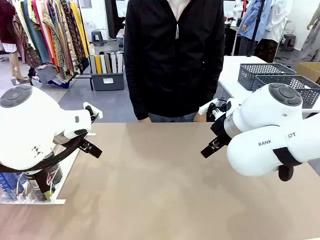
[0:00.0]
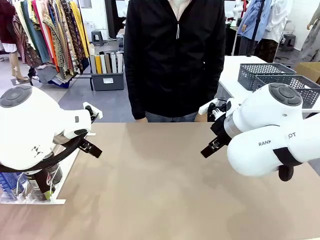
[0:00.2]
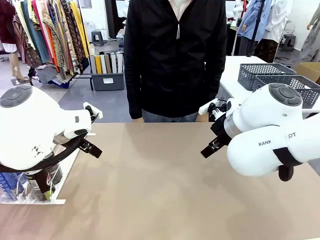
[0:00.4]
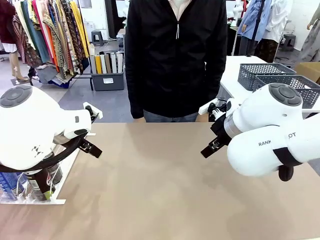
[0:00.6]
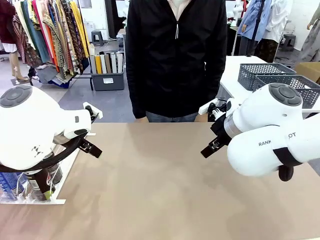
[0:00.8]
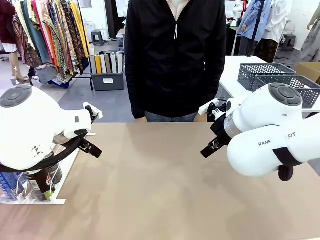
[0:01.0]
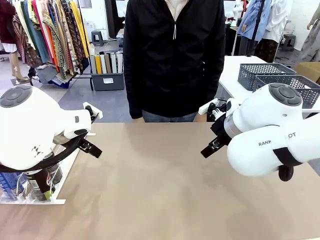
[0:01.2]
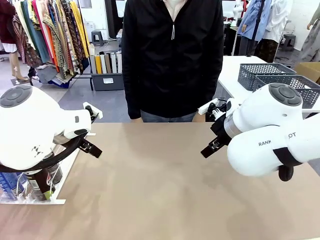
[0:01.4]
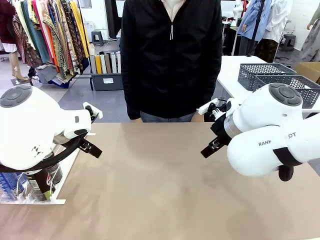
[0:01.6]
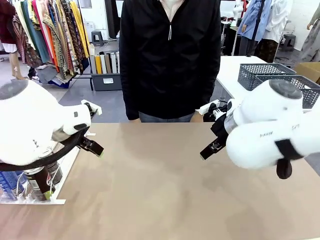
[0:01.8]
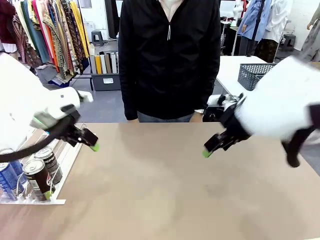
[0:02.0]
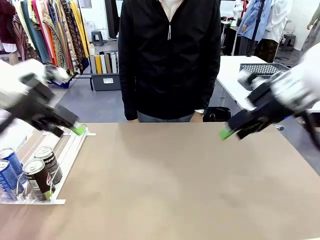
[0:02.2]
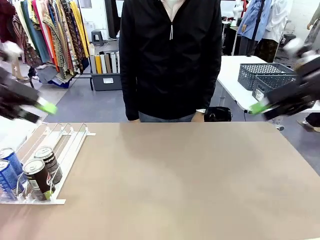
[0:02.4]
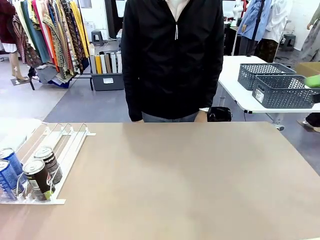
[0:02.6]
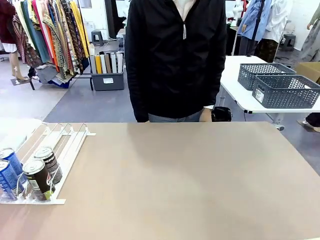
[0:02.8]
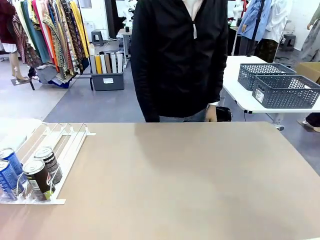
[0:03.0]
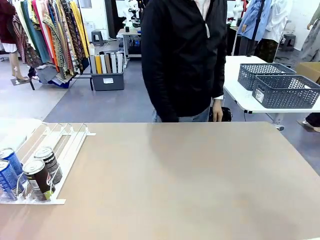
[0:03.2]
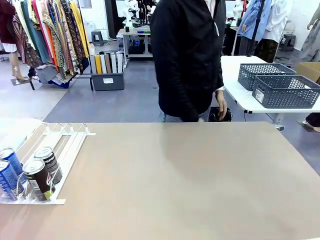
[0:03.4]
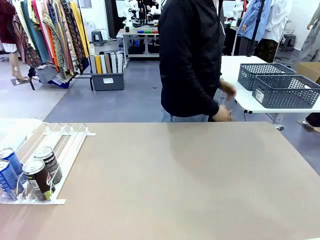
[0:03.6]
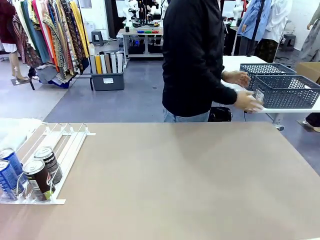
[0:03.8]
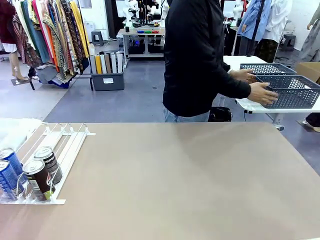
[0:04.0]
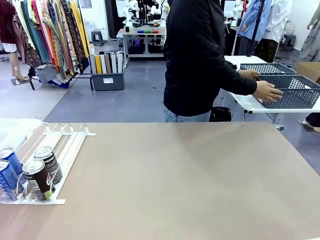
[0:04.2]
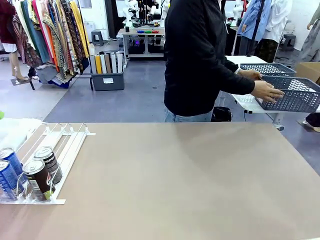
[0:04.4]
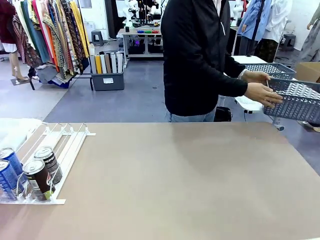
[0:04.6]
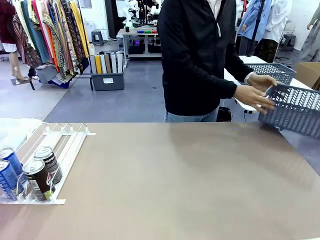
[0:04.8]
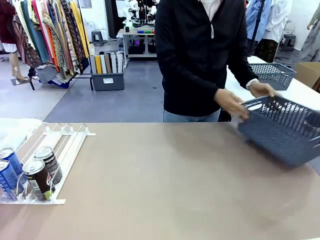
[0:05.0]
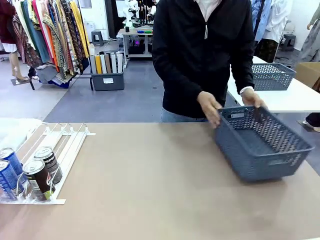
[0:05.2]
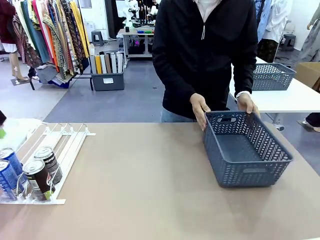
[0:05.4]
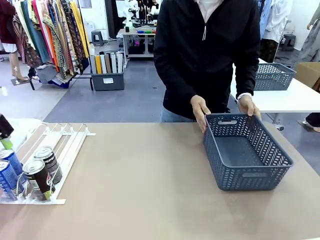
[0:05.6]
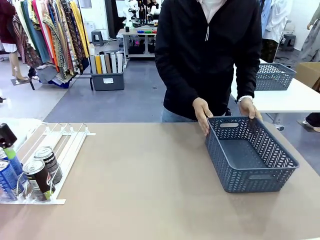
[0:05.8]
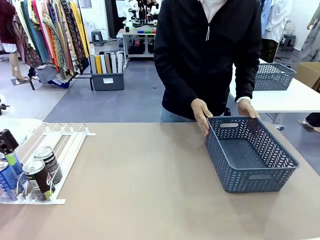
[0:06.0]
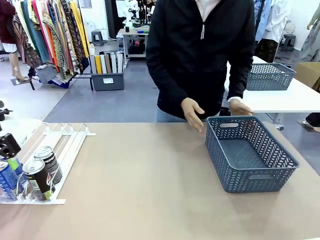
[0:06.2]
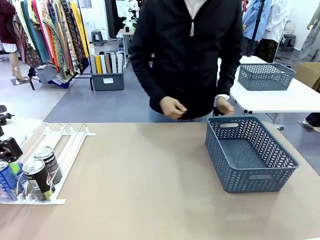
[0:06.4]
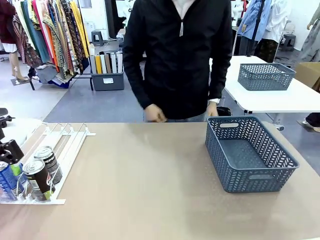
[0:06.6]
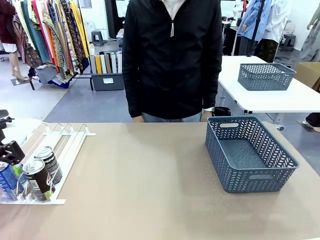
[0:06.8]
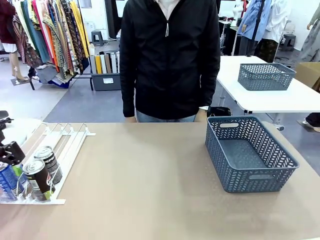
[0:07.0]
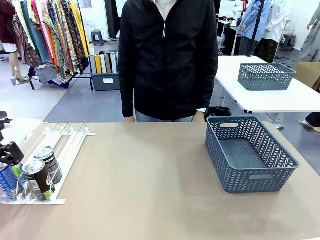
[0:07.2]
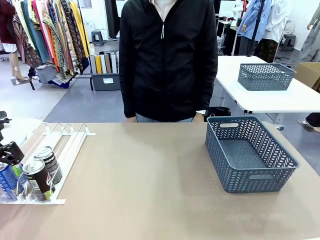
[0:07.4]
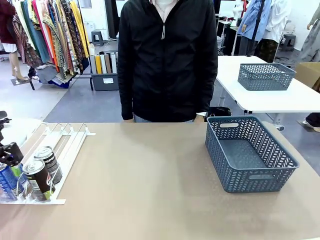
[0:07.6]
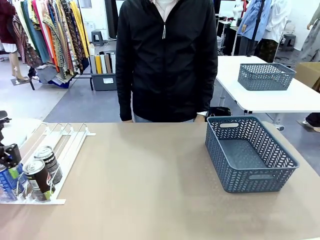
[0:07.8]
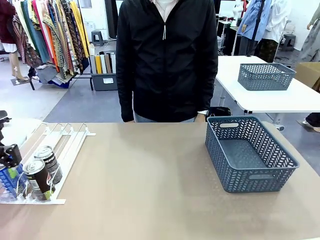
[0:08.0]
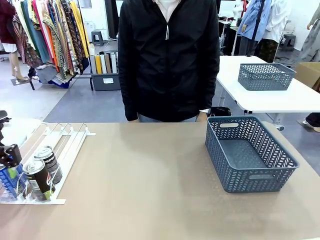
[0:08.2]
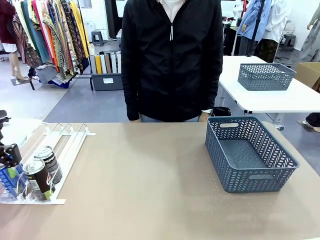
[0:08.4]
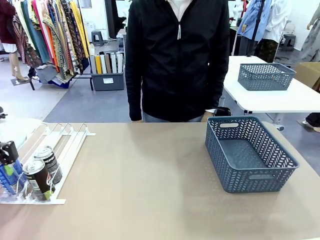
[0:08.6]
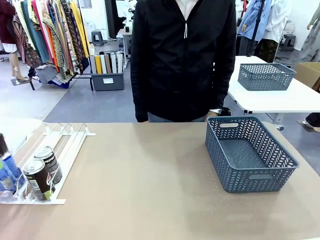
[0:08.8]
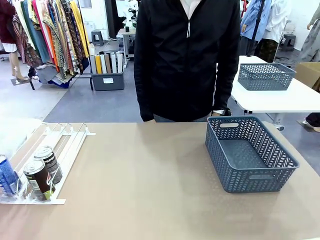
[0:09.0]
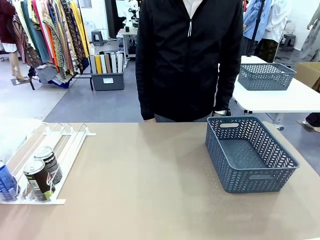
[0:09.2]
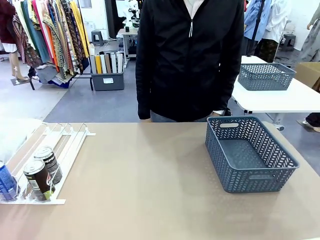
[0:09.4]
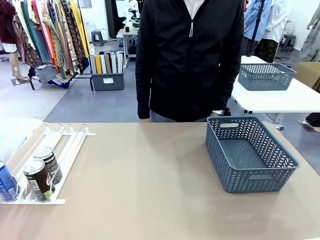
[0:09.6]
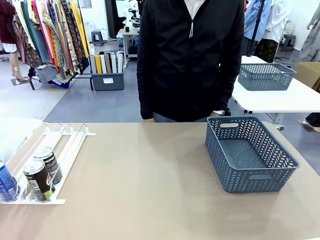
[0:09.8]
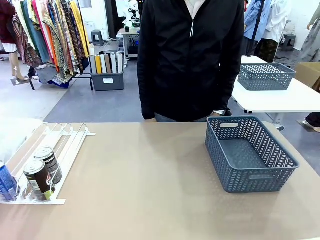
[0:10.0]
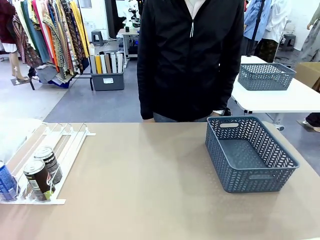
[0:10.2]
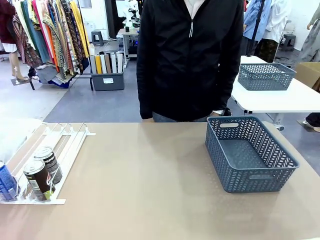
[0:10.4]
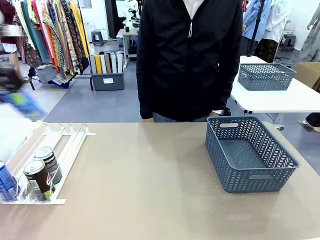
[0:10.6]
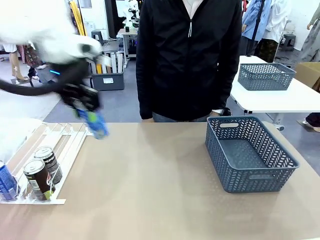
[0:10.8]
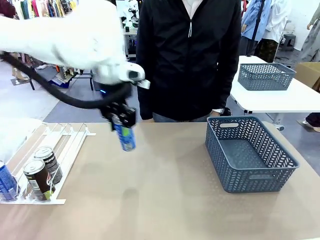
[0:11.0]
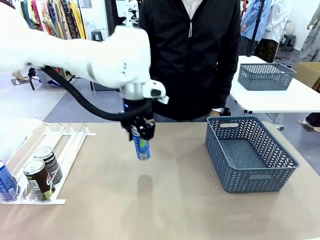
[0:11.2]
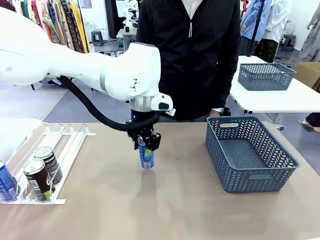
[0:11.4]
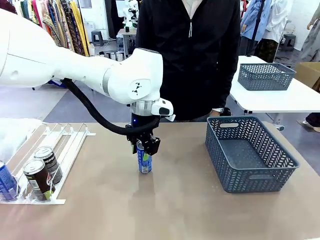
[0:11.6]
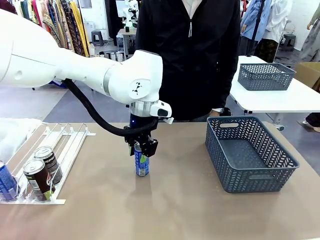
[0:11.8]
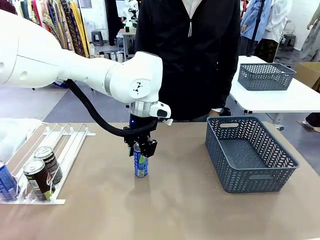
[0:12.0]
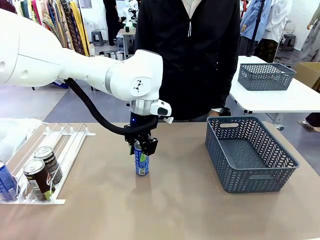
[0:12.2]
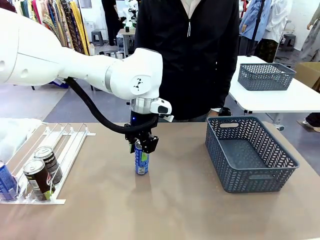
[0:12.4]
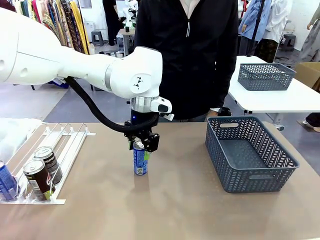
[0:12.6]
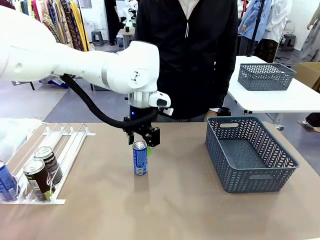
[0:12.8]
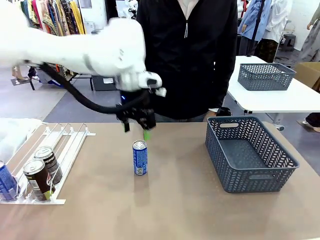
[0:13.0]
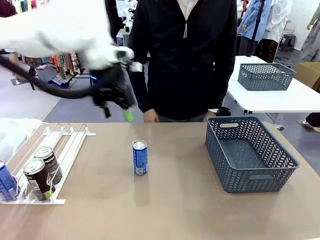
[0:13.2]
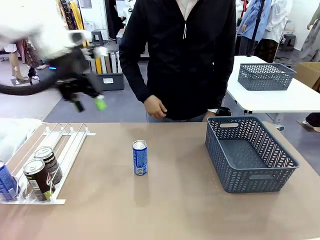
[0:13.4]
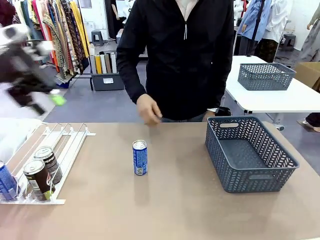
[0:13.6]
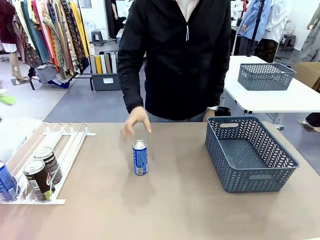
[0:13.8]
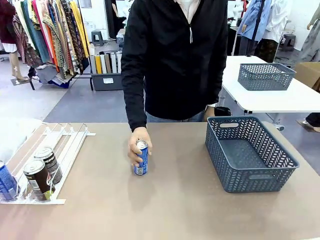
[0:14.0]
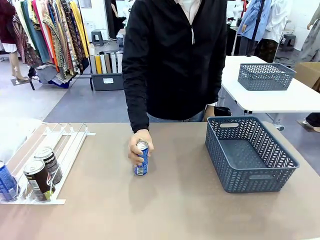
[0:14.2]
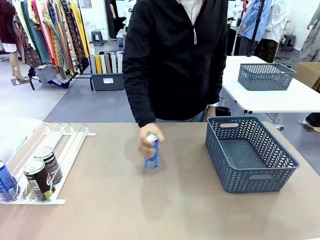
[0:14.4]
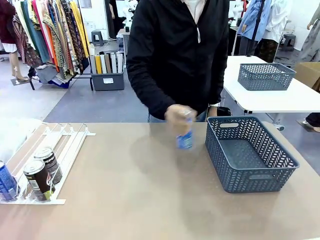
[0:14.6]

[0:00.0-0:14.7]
Task: Retrieve and store the cans from the dispenser.
Robot: Pick up one can from the Automatic Can Dispenser and place it in the middle of the table.
Person: Pick up the basket and place it on the left side of the robot table.

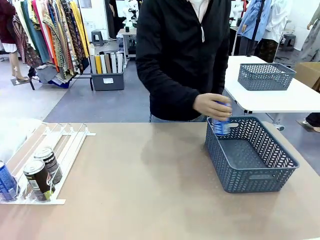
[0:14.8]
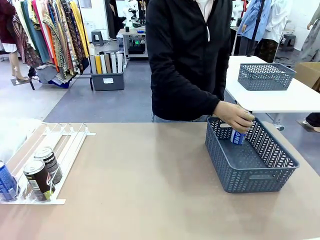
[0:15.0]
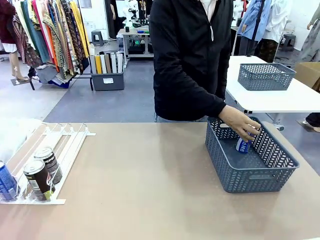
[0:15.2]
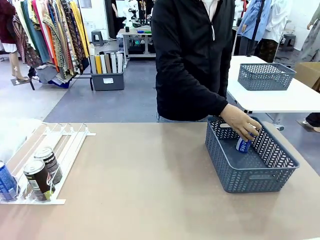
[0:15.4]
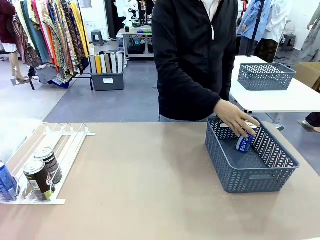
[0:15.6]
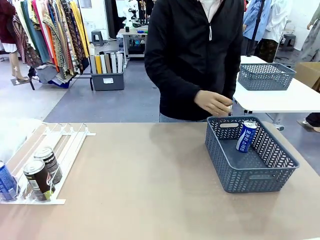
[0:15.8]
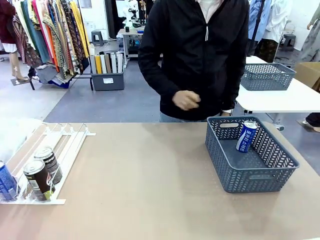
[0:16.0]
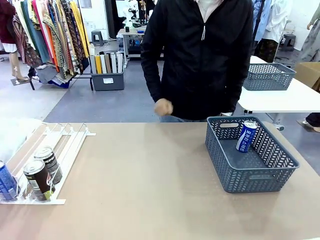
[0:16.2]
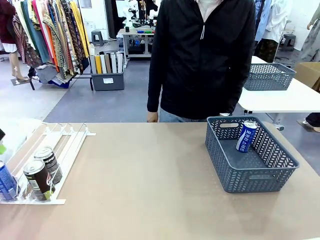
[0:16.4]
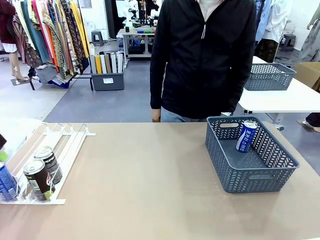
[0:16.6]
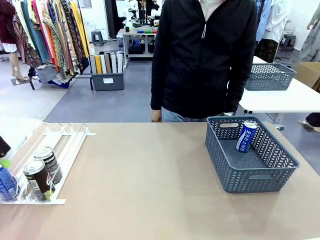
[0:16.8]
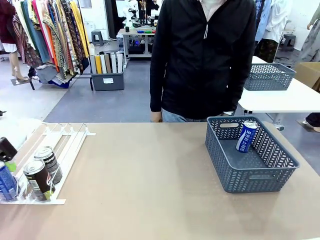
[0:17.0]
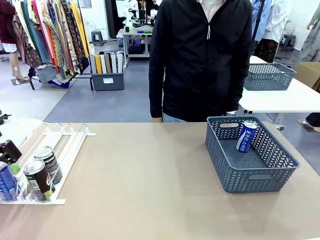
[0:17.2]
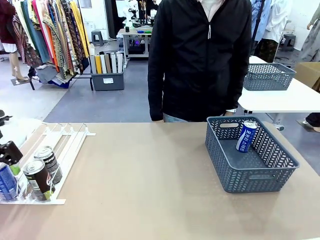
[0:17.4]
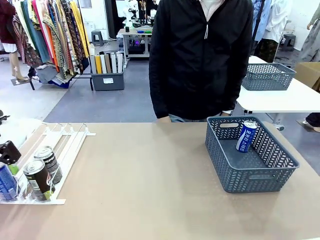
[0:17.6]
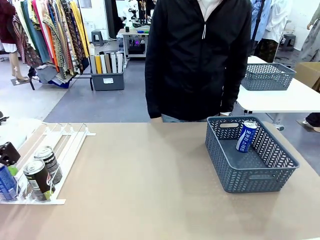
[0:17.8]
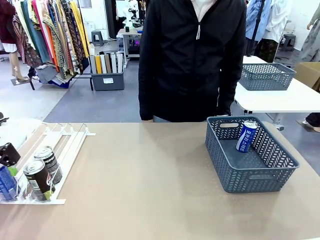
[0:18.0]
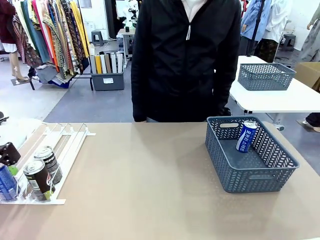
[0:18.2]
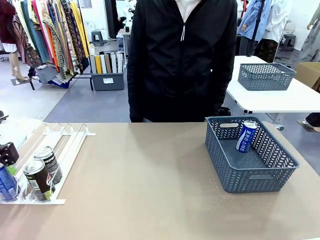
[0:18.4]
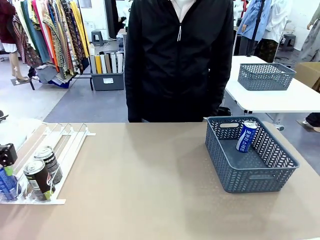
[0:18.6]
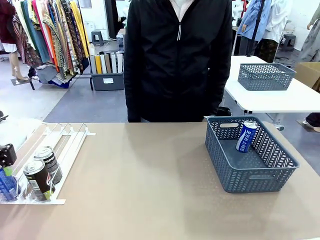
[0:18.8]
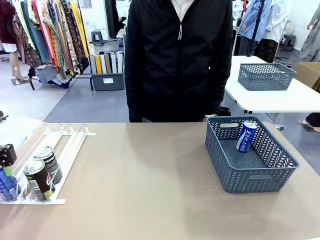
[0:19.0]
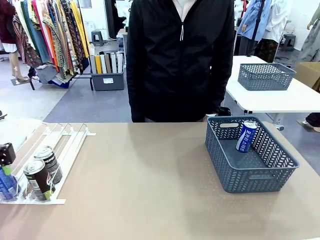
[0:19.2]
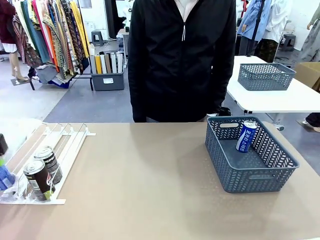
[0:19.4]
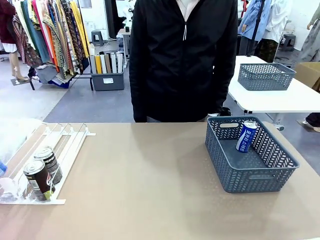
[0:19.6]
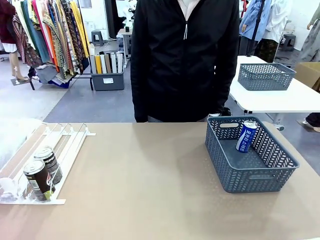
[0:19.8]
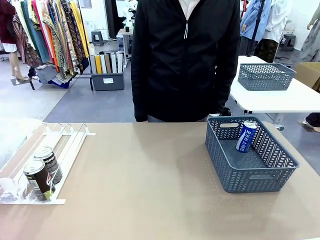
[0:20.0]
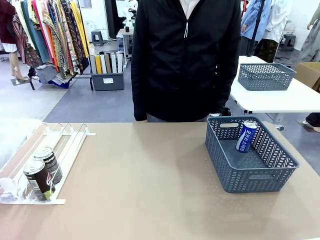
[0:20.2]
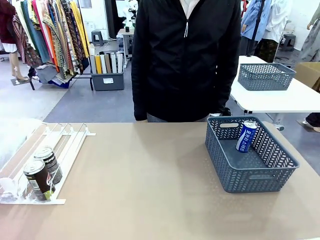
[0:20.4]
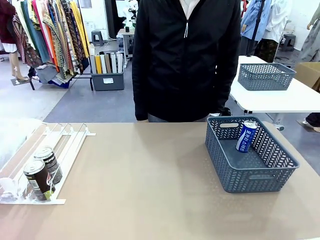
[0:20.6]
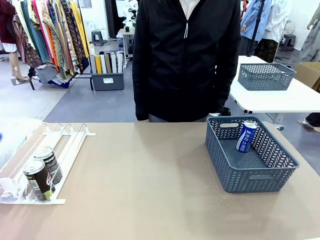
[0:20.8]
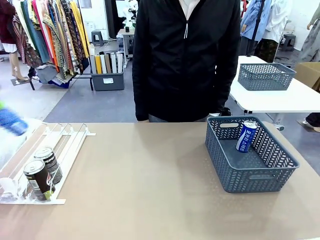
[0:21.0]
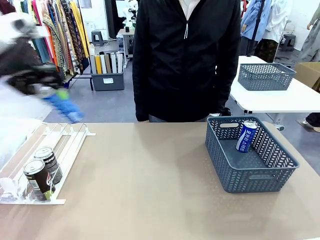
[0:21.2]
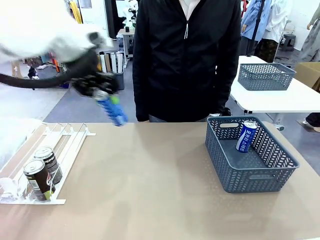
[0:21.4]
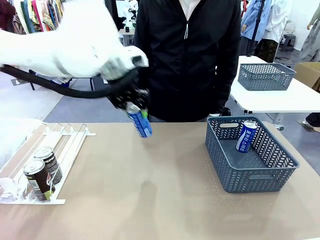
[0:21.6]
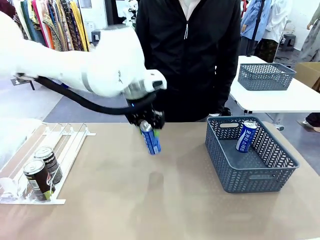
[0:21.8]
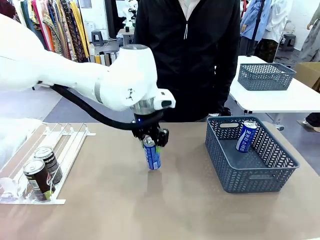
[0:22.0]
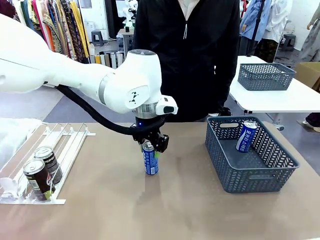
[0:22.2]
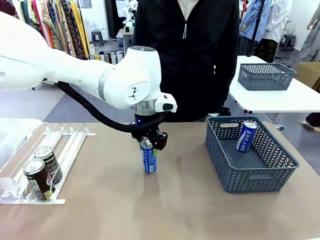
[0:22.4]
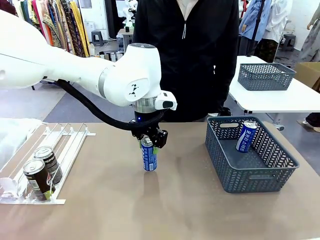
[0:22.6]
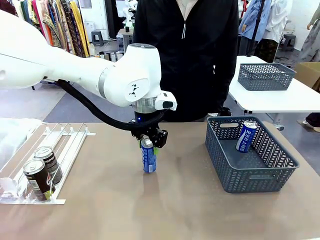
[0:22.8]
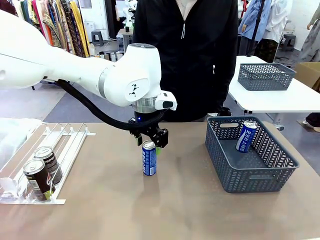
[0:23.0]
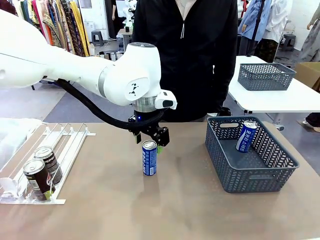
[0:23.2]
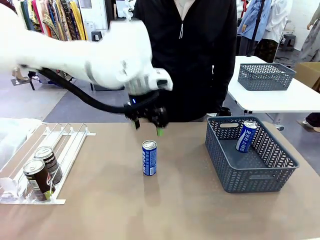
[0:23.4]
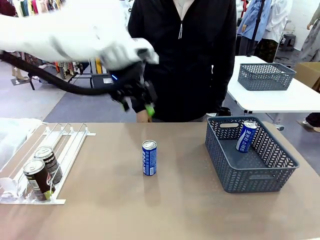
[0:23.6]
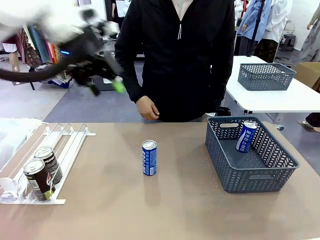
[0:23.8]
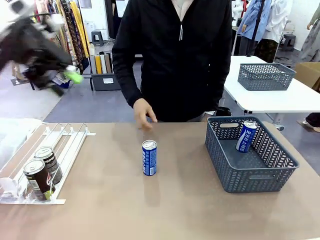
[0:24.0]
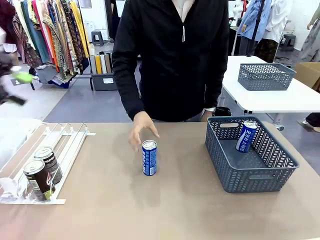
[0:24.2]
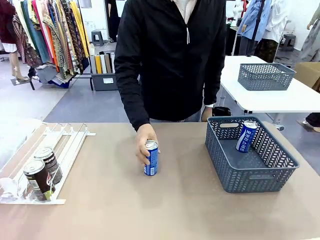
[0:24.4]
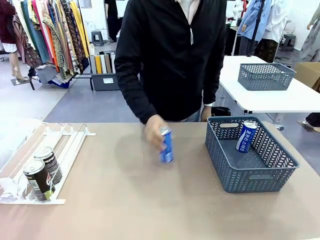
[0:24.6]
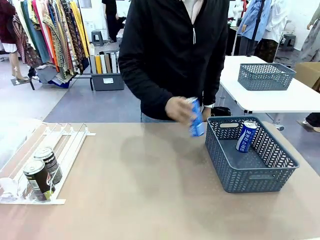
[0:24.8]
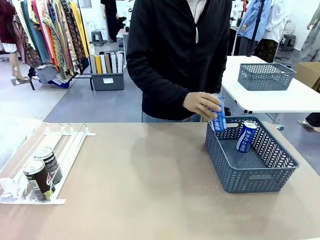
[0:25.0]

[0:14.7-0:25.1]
Robot: Pick up the last remaining can from one row of the Automatic Can Dispenser and place it in the middle of the table.
Person: Pick up one Pepsi can from the middle of the robot table and place it in the basket.
